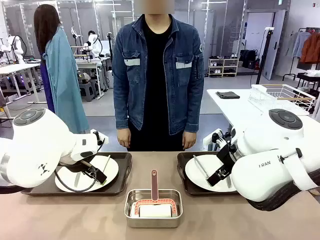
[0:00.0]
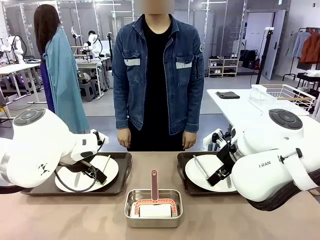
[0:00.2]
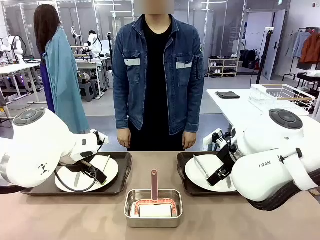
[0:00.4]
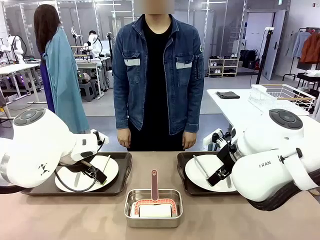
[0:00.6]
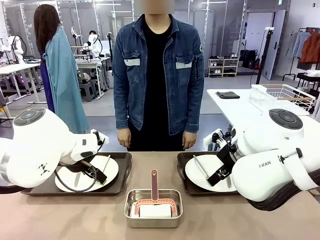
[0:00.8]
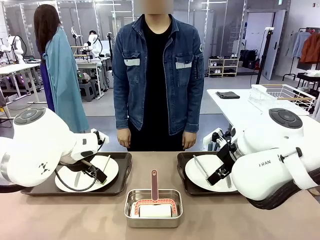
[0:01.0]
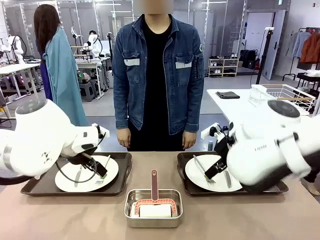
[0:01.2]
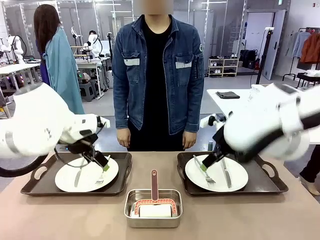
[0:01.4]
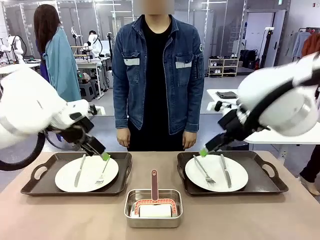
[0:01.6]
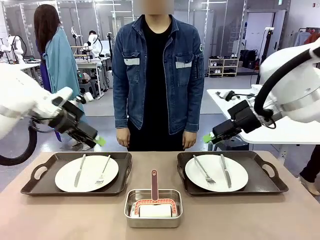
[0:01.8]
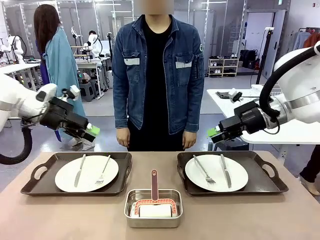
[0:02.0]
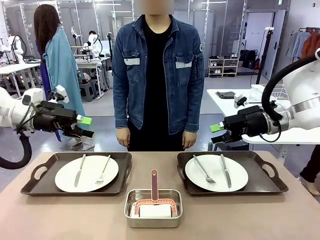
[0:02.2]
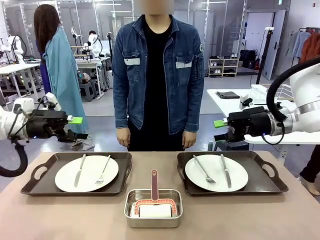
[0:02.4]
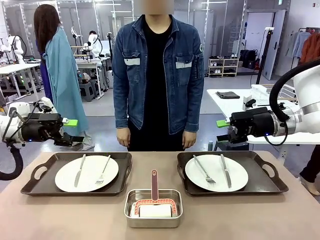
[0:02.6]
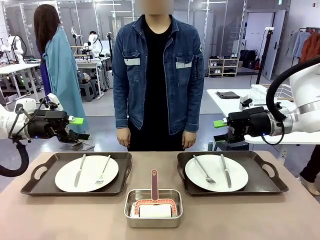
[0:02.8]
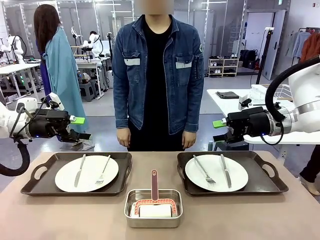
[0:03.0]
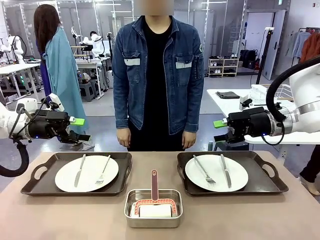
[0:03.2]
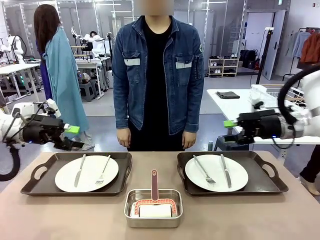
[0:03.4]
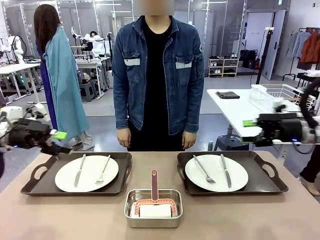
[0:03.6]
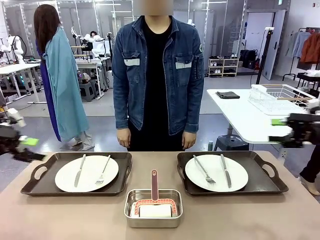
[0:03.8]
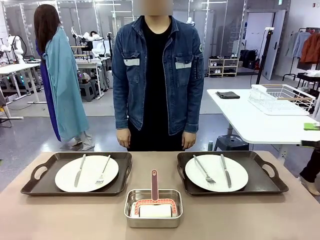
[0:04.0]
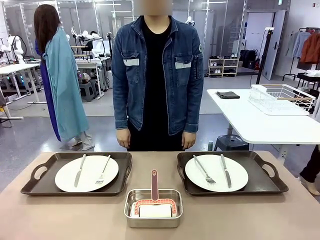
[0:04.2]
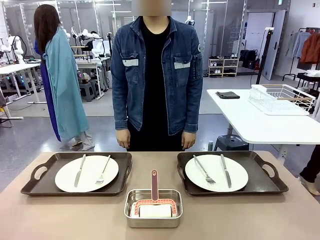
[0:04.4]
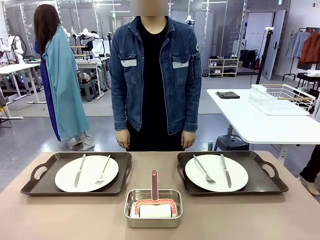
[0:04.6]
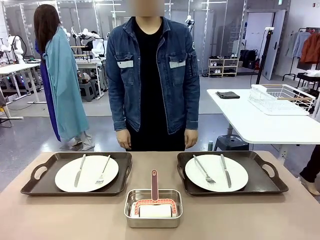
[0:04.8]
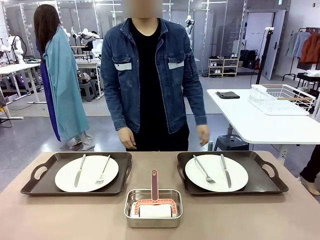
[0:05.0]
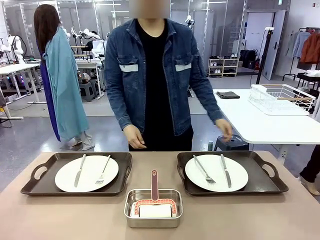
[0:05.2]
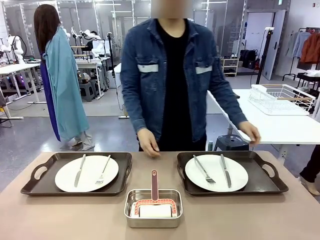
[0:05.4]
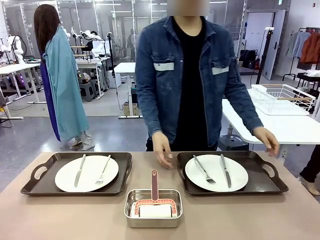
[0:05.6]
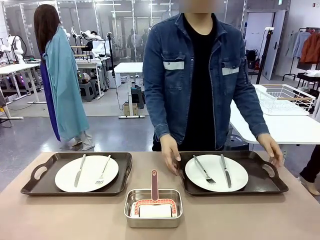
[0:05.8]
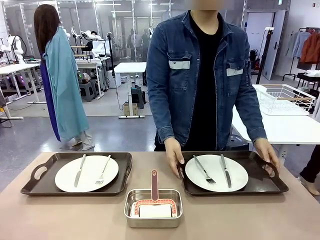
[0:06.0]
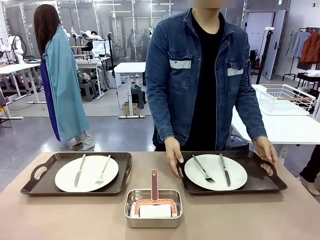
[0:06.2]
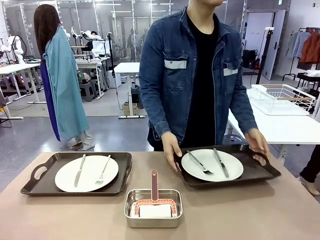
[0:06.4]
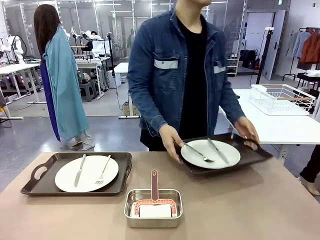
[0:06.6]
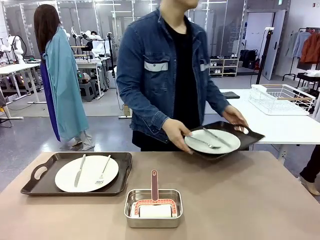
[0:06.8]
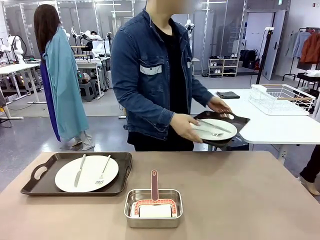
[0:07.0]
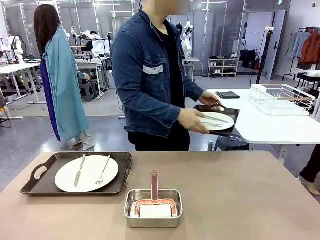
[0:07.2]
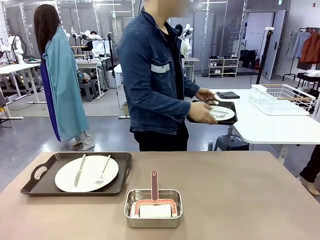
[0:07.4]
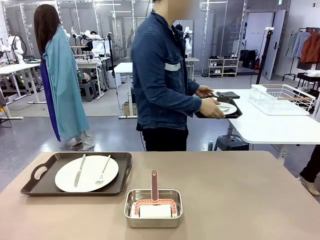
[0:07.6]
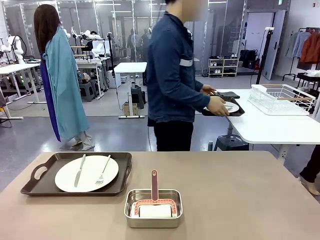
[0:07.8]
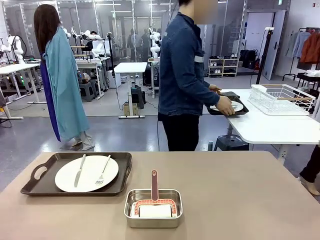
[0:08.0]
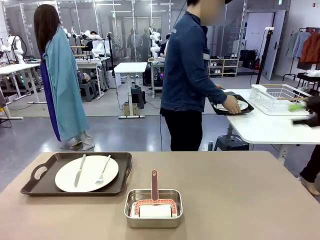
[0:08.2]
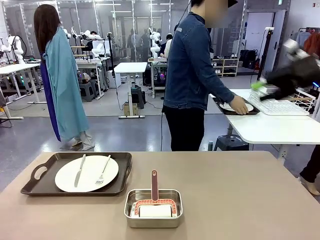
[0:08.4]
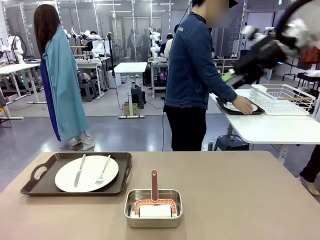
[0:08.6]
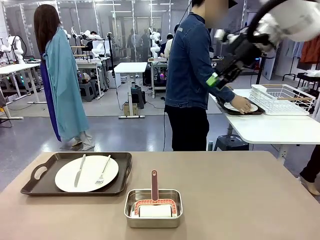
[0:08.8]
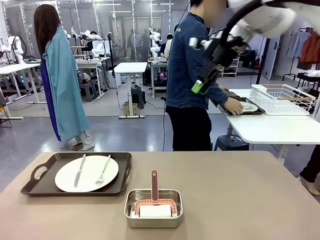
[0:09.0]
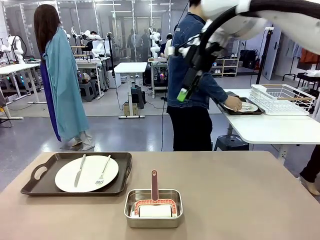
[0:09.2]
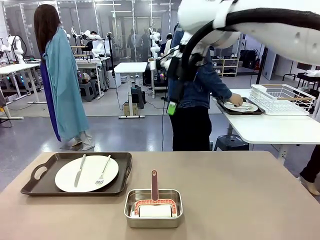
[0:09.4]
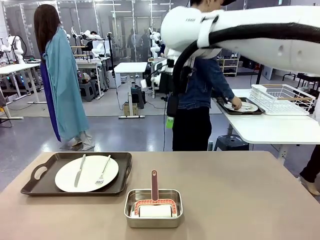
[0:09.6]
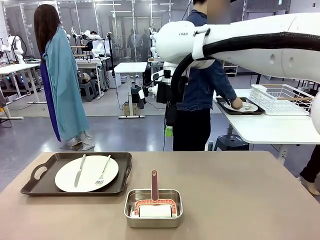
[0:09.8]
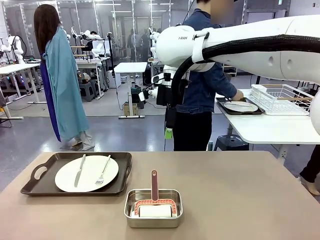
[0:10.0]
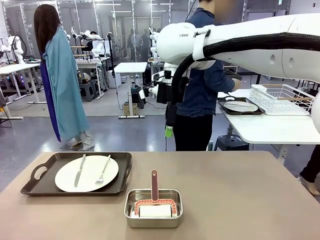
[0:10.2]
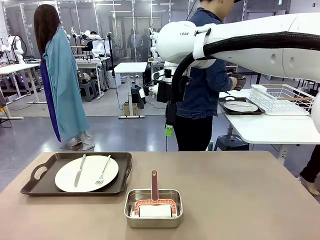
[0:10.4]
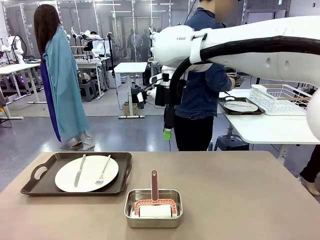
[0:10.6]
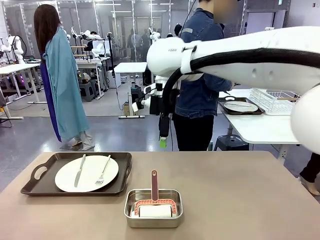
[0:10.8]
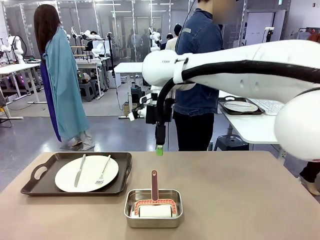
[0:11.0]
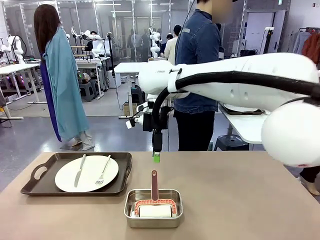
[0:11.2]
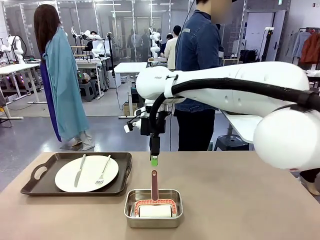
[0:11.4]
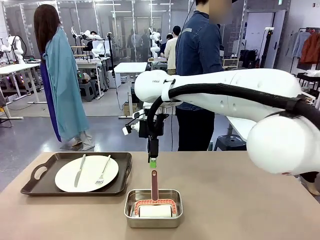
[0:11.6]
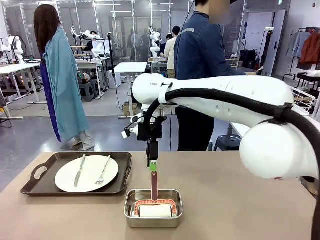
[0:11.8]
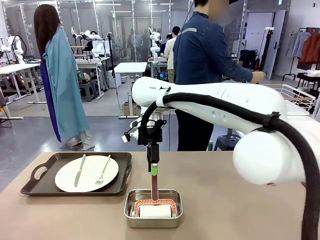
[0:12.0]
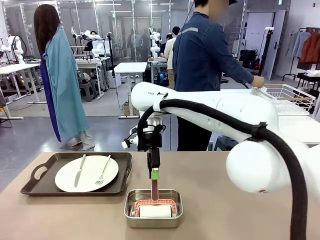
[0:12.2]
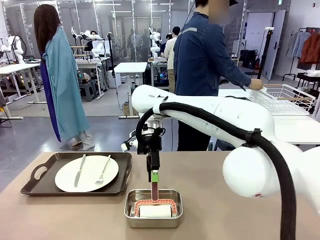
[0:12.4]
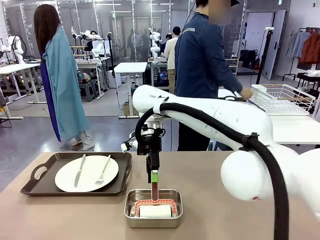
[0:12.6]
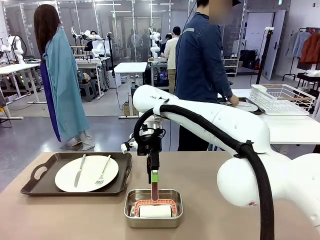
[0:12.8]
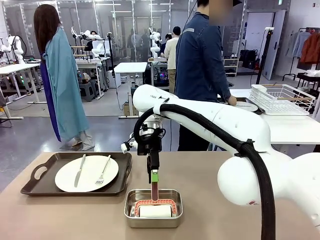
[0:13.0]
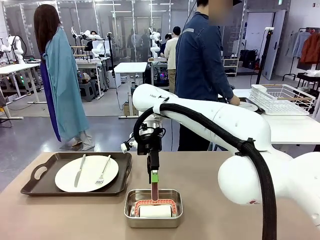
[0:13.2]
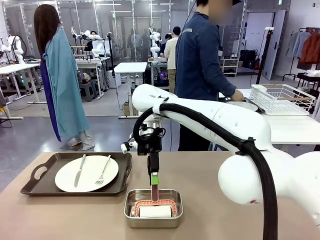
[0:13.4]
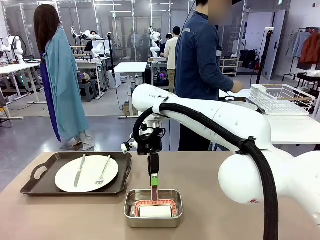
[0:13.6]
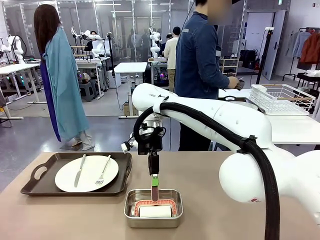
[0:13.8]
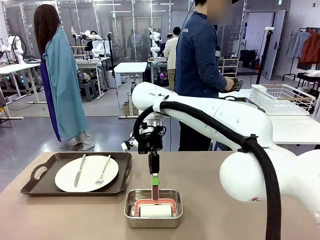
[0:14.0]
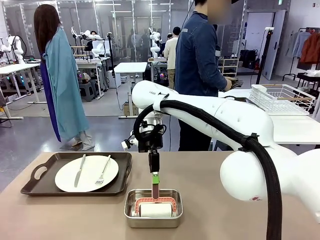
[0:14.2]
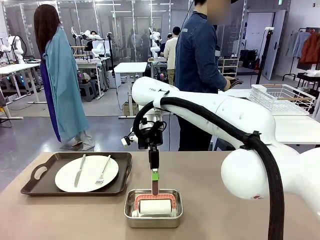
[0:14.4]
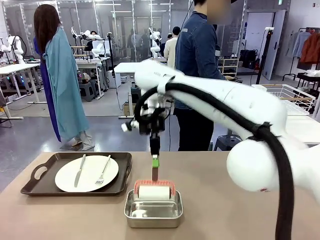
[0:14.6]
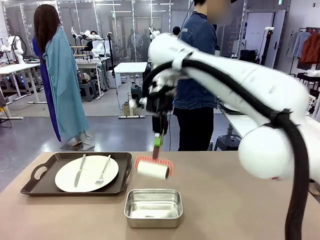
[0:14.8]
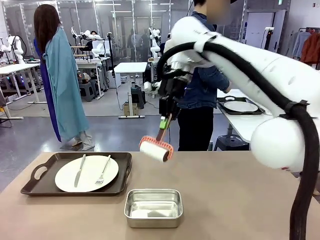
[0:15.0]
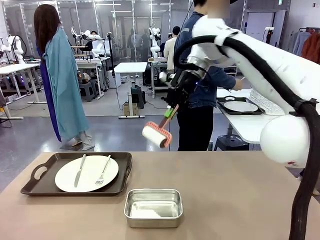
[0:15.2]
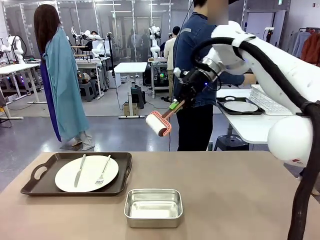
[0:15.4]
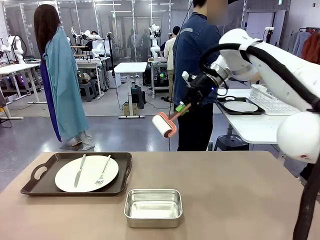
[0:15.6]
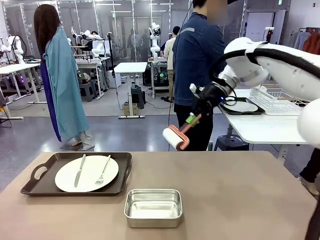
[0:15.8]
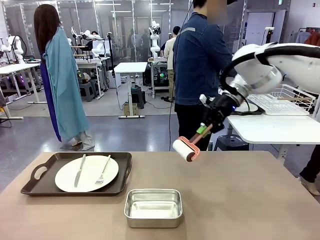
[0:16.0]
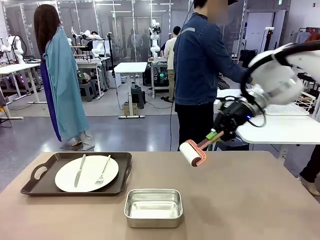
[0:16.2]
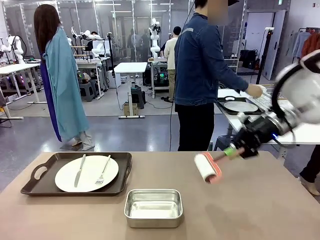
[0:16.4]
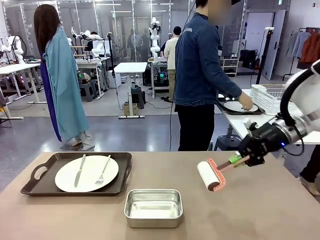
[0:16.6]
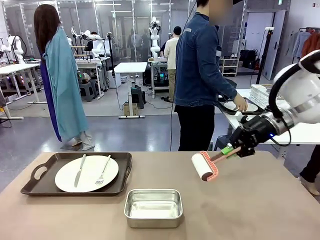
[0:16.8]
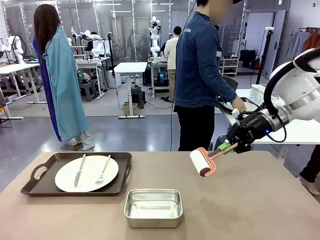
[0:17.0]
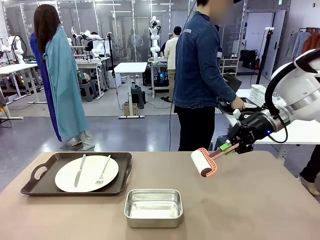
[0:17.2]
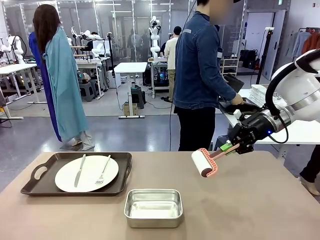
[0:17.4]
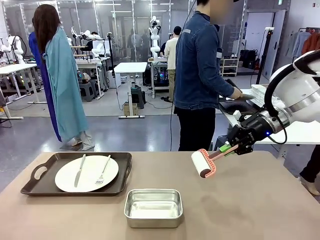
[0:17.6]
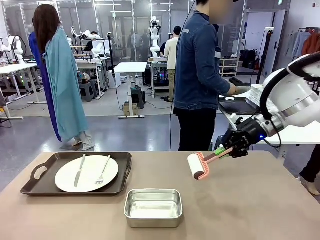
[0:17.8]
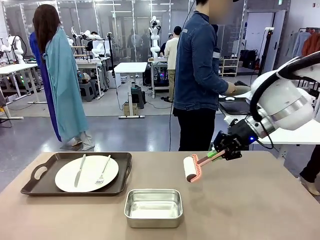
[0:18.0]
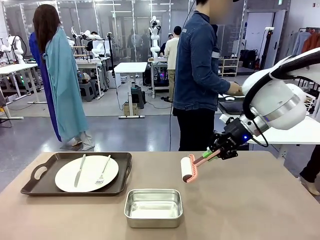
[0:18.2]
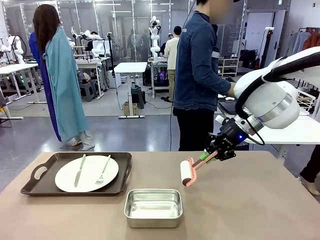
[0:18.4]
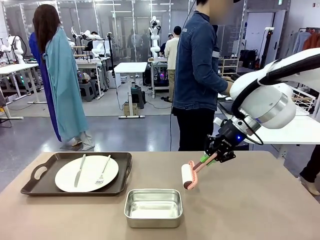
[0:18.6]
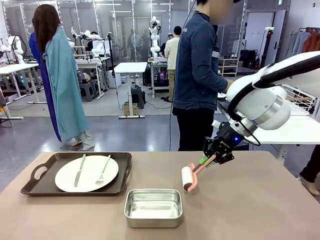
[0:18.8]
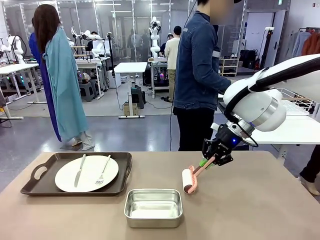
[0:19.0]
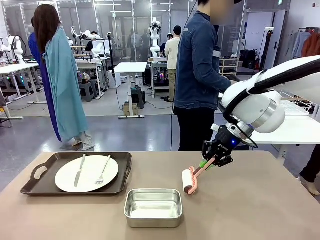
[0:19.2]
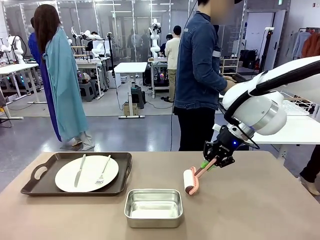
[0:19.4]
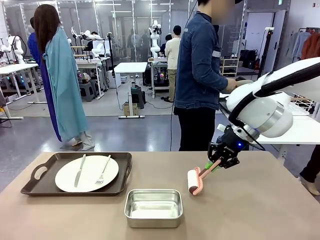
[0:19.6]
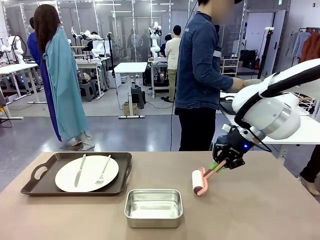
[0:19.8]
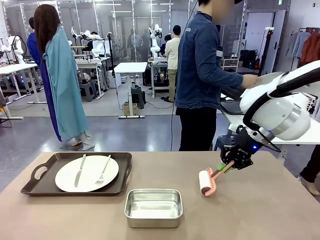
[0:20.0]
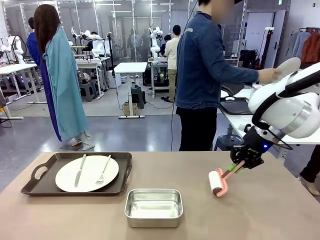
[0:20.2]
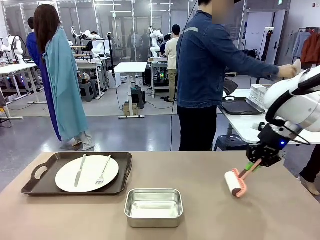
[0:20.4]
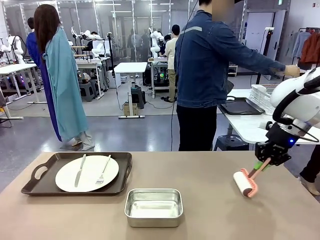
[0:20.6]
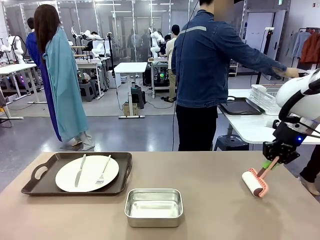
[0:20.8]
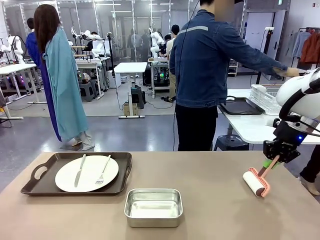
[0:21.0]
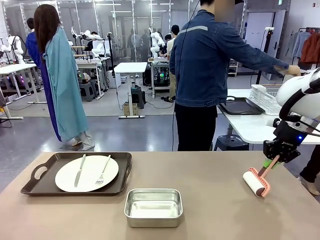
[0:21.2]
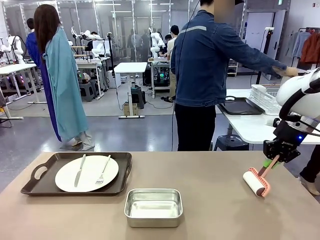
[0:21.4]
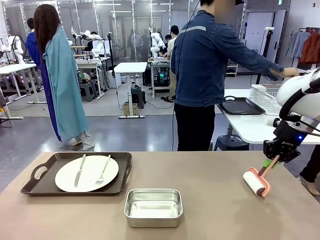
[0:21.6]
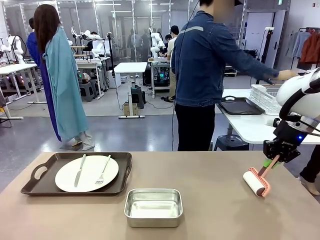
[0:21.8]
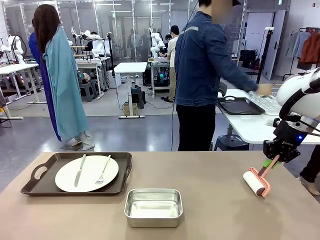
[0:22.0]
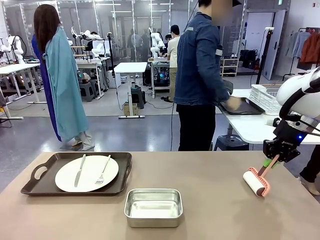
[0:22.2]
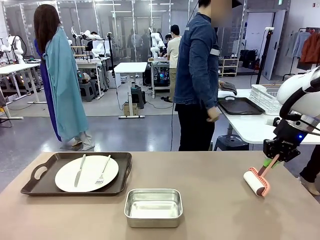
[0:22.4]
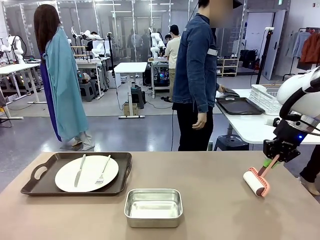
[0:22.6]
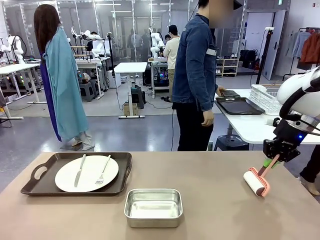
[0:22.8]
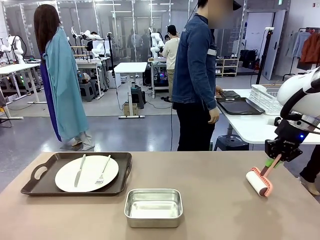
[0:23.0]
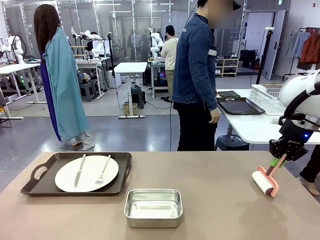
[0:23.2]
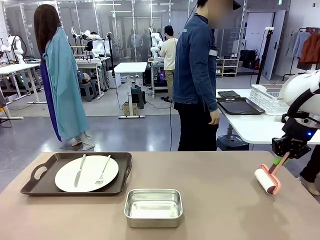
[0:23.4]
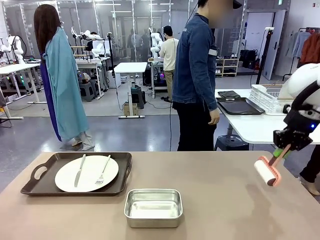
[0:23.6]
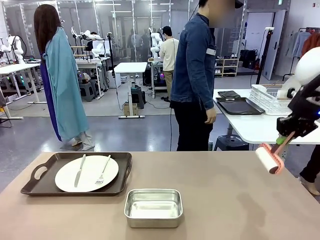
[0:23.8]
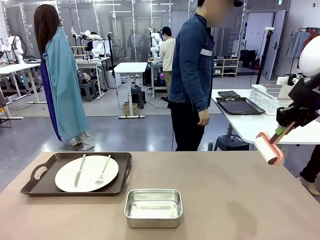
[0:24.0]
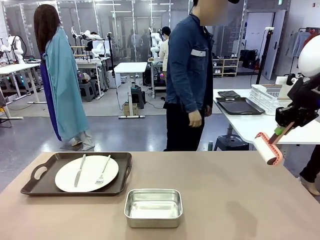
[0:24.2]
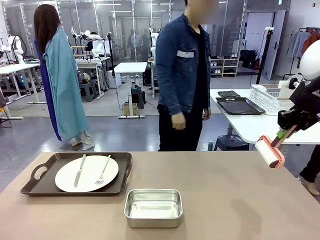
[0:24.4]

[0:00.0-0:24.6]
Robot: When the left (or right) Handle tray is removed, use the left hand (or right hand) to clean the left (or right) side of the table with the Lint Roller.
Person: Pick up the left (or right) Handle tray and place it on the middle of the Human's table. Use the Towel with hook to wipe the Plastic Matte Plate , Fork , and Knife and place into the Dish drying rack.
